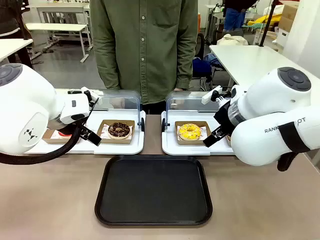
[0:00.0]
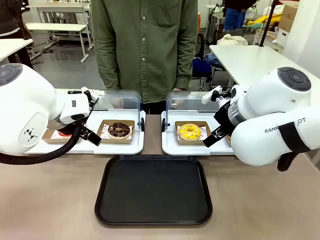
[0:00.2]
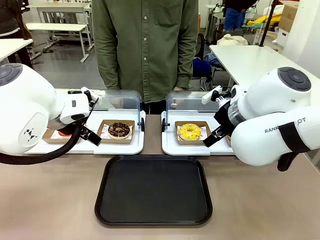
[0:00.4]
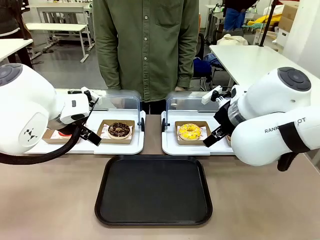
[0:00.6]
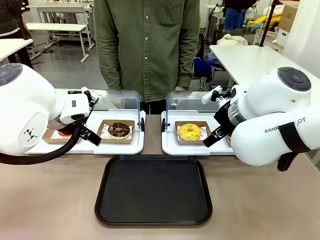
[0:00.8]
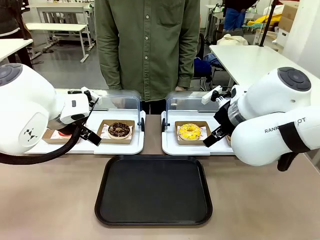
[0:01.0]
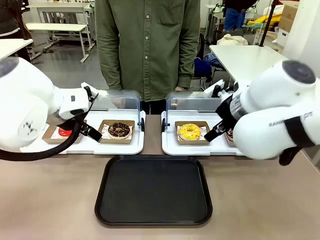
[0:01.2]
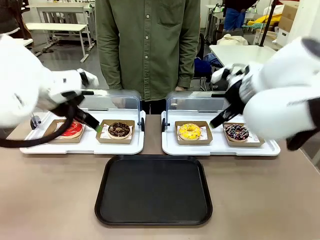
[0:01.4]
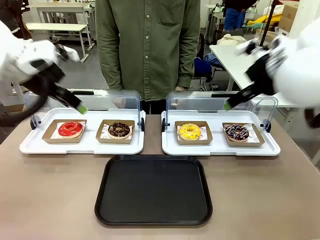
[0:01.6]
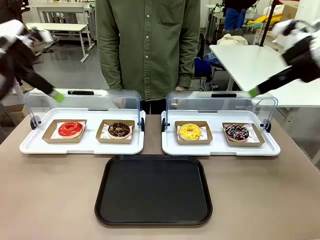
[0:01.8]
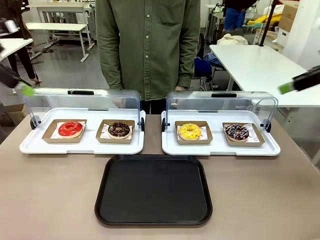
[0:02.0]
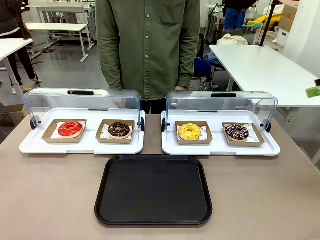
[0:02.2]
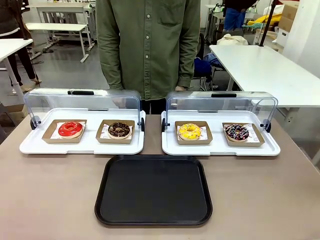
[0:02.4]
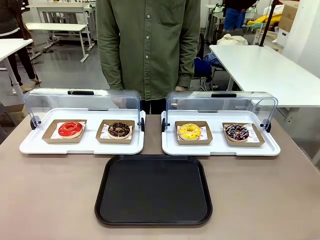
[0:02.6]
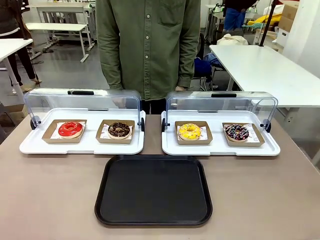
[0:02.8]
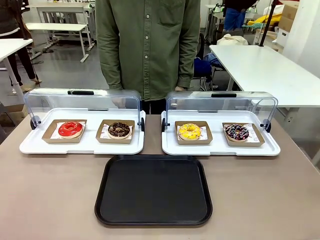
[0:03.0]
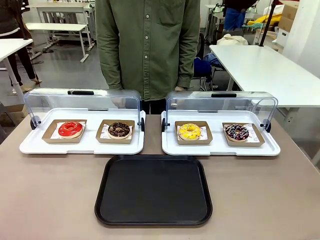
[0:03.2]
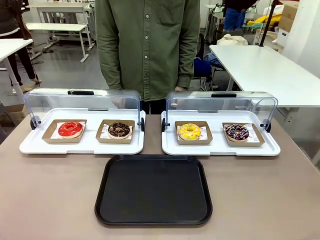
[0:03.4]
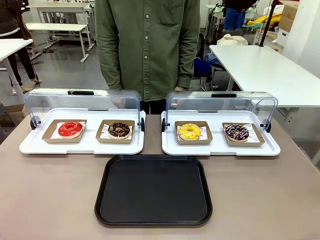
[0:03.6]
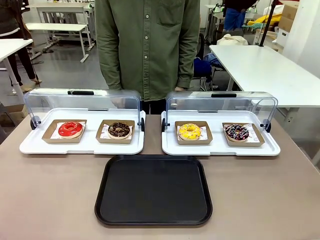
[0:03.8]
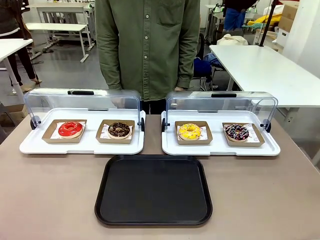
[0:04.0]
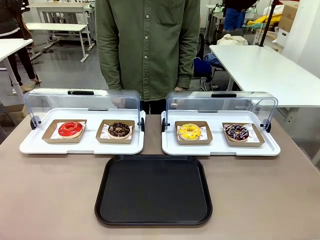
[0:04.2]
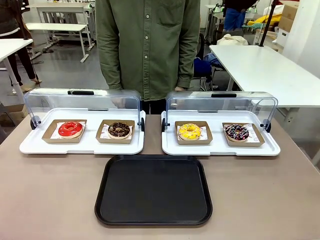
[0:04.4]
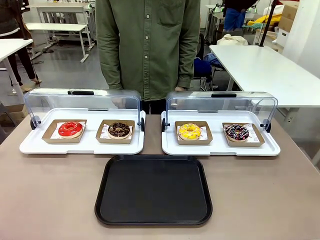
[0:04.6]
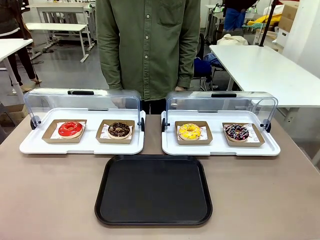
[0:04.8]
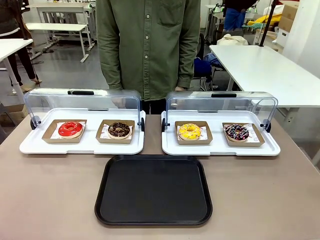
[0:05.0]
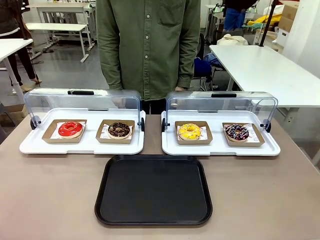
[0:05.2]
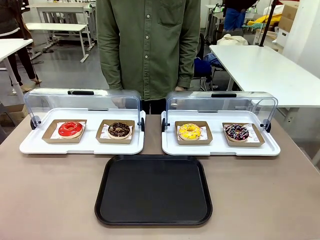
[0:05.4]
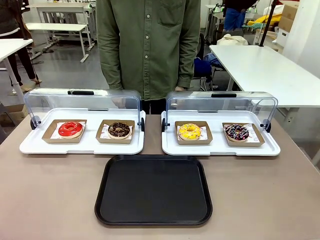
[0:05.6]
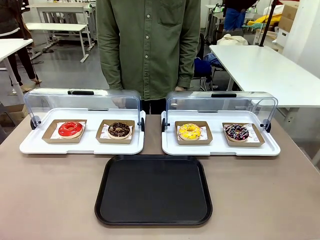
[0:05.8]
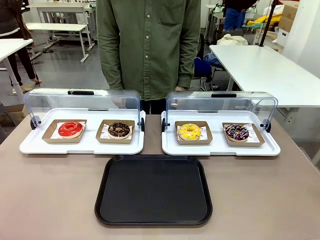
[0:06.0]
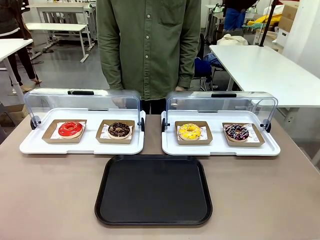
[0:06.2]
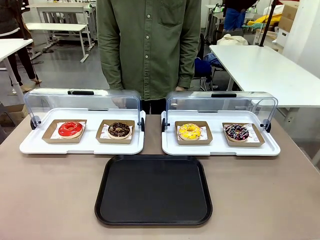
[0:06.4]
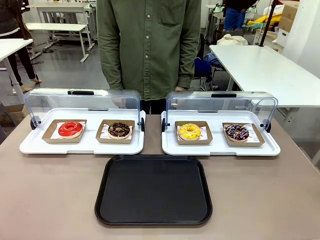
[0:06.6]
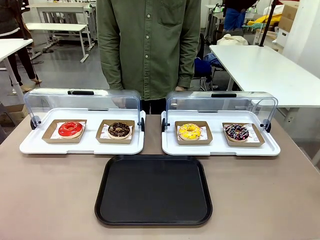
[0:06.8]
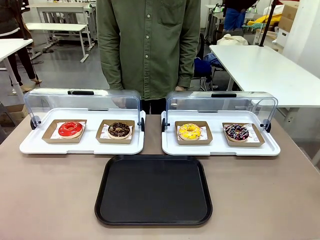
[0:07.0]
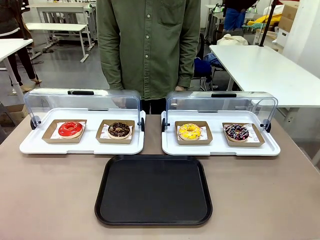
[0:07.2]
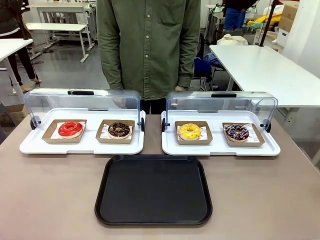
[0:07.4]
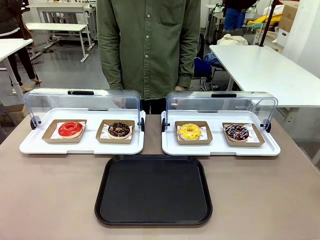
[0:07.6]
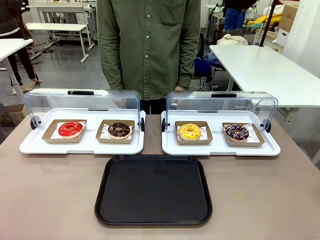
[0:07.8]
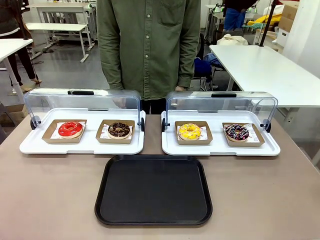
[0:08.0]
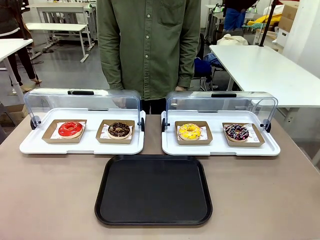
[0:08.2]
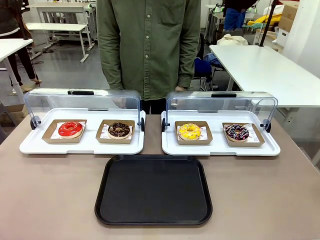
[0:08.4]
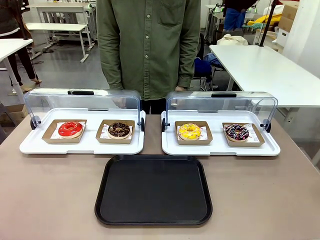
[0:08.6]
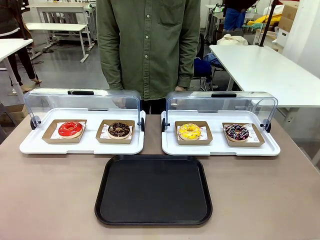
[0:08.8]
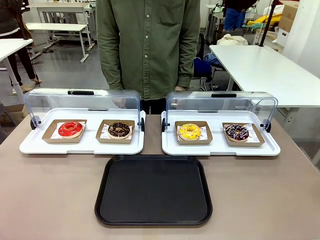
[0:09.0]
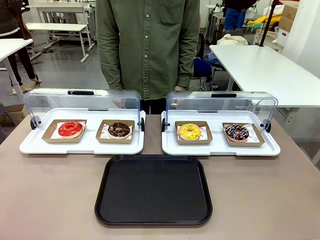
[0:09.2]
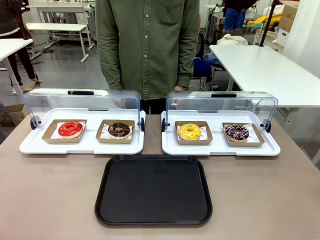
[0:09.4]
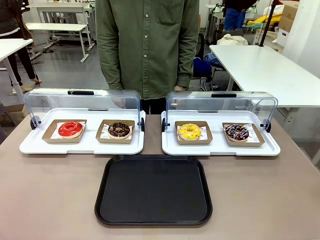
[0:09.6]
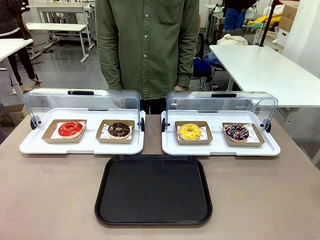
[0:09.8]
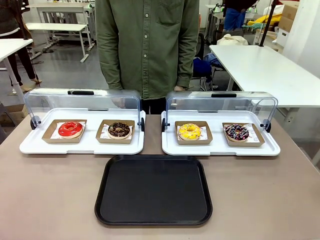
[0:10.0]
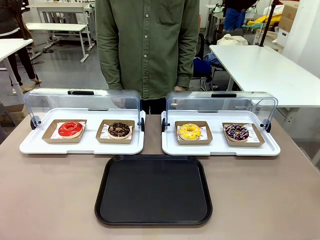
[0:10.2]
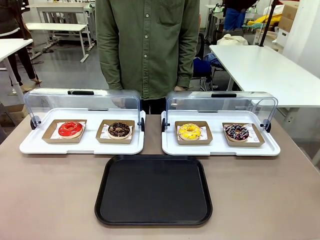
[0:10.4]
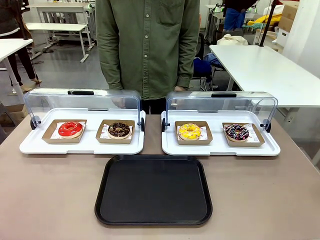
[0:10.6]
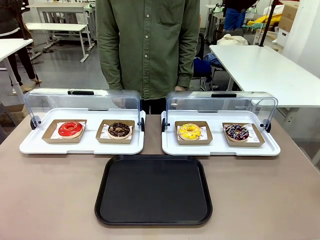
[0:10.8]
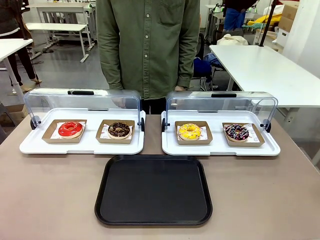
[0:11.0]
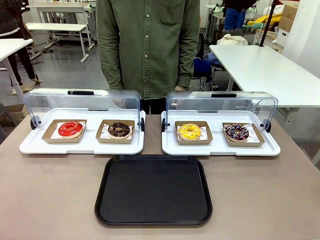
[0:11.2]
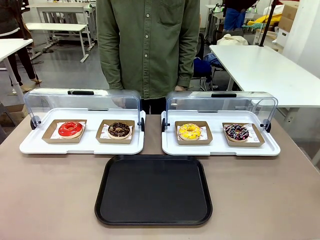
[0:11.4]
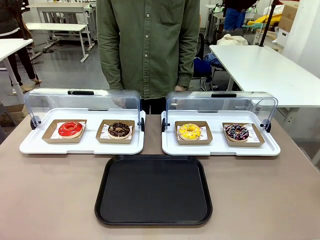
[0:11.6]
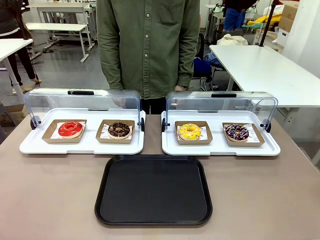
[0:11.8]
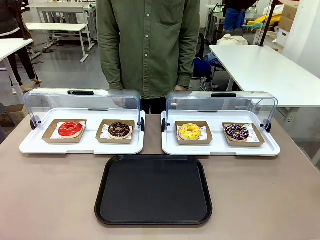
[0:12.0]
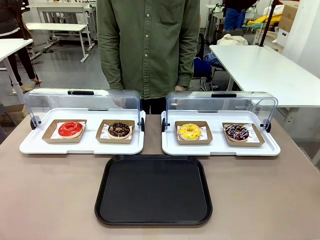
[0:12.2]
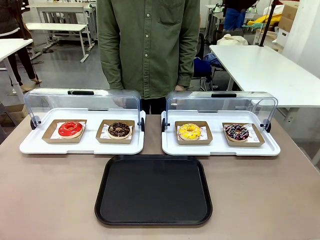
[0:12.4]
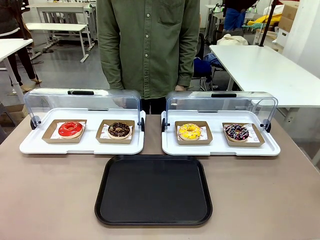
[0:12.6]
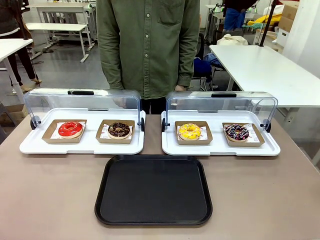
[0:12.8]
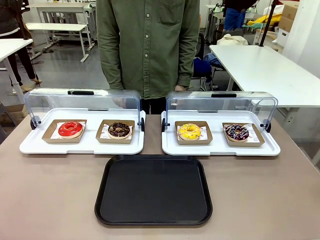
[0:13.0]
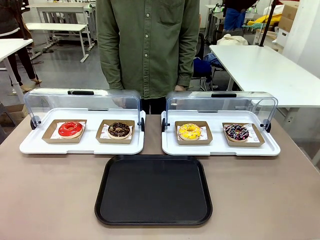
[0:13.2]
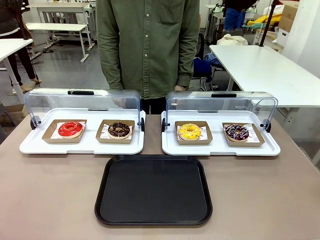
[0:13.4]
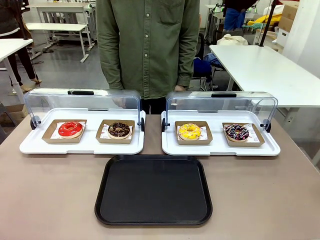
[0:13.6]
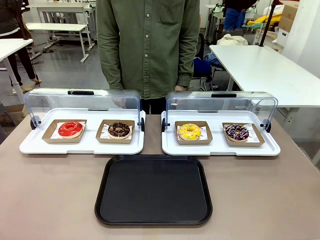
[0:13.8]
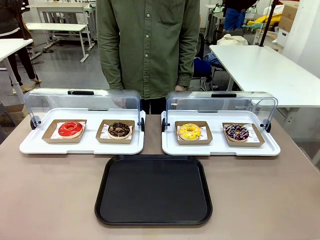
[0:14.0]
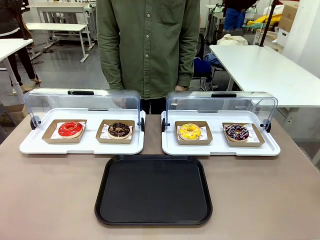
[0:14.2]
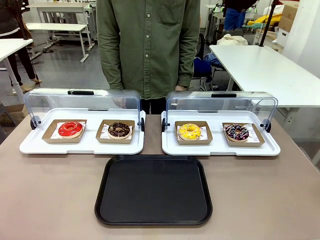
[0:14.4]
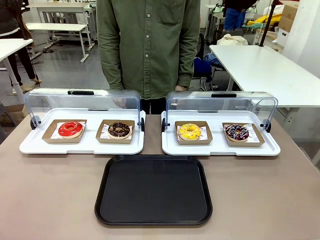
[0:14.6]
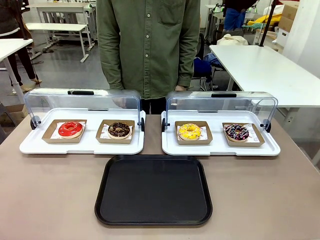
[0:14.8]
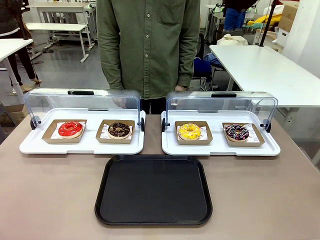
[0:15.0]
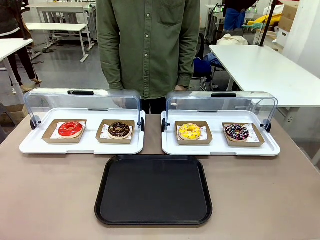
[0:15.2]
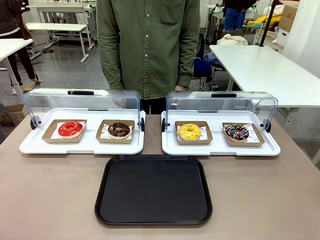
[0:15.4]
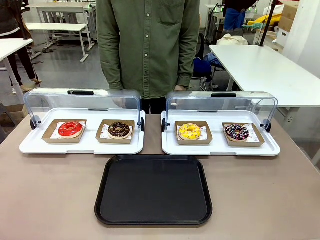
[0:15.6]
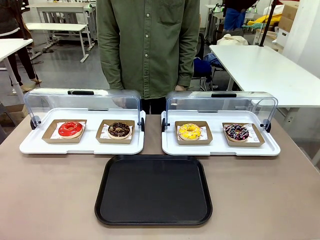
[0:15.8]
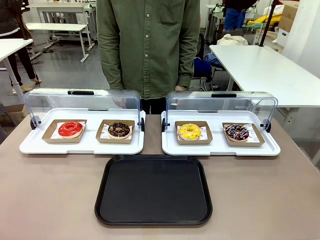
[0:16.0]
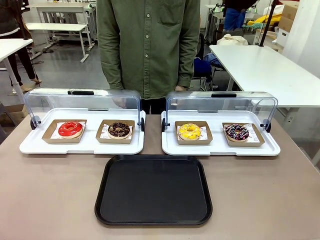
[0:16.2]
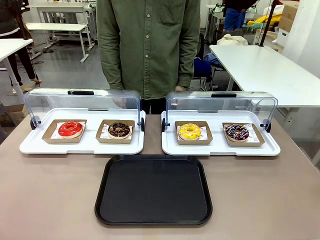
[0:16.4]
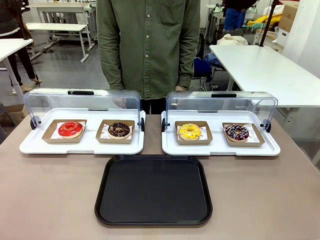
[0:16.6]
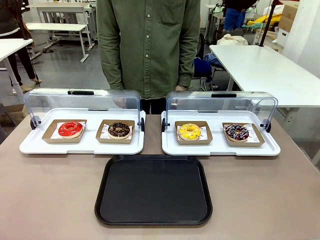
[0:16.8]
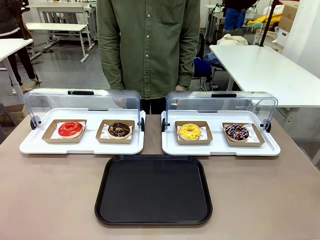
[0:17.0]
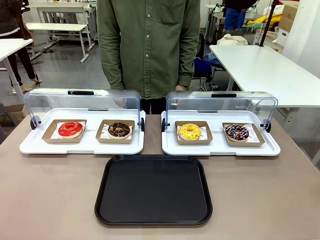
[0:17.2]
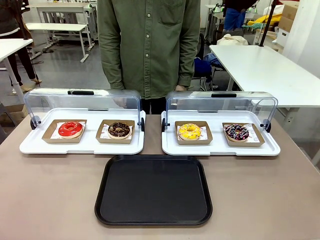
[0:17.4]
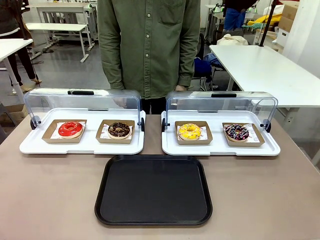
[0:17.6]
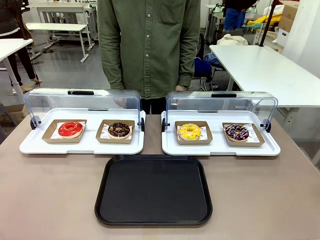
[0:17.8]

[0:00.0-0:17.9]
Task: Move the third donut from the left to the tray.
Robot: Pick up the Paper togo box containing the Donut indicated by the person and place it on the Handle tray.
